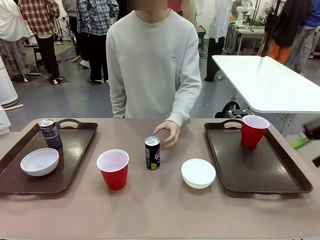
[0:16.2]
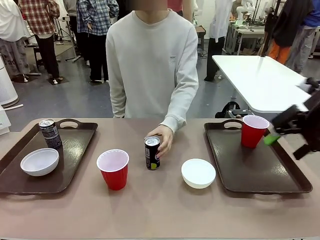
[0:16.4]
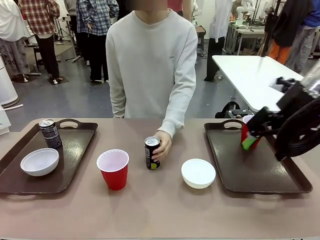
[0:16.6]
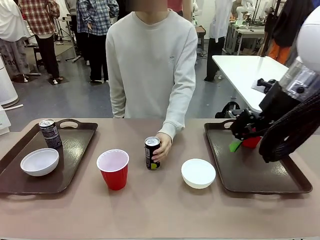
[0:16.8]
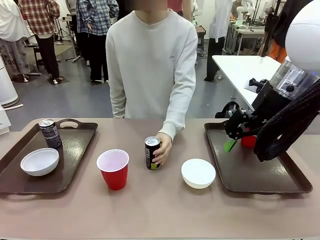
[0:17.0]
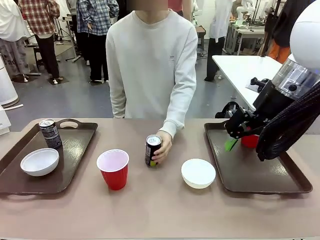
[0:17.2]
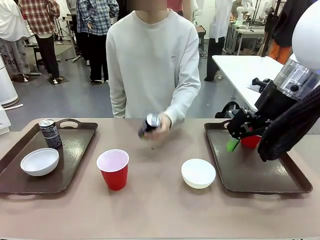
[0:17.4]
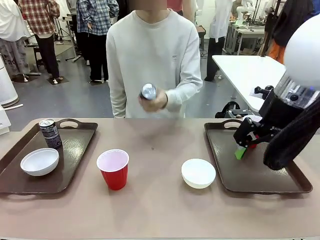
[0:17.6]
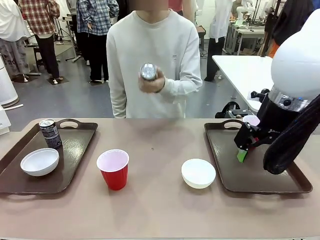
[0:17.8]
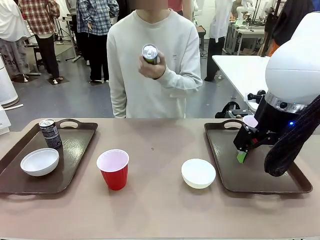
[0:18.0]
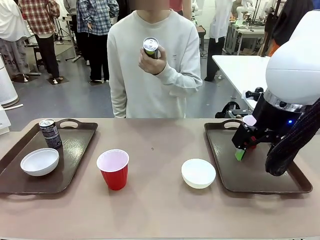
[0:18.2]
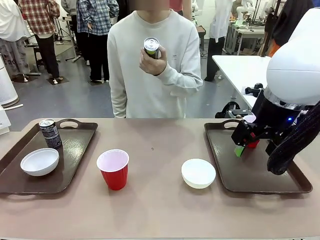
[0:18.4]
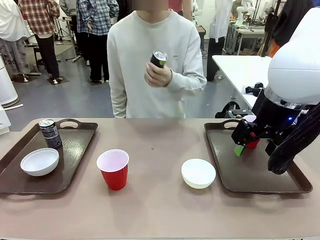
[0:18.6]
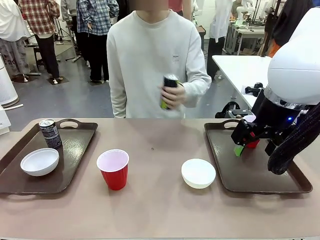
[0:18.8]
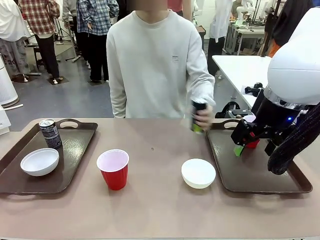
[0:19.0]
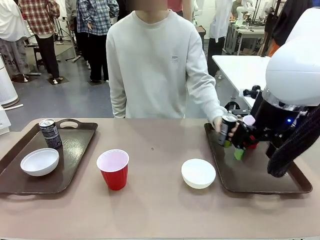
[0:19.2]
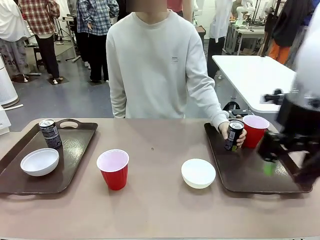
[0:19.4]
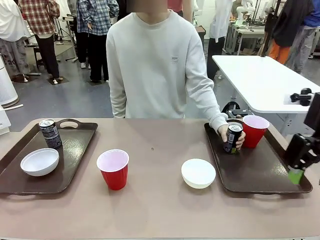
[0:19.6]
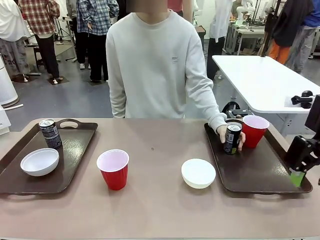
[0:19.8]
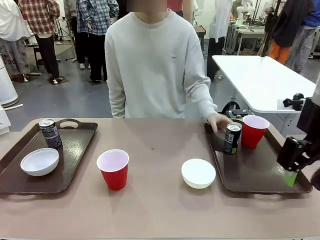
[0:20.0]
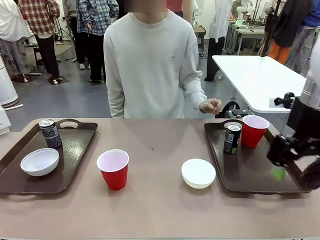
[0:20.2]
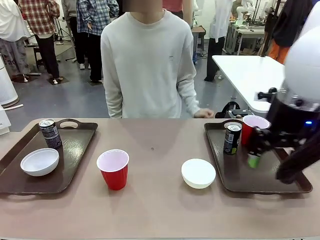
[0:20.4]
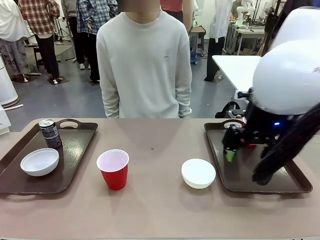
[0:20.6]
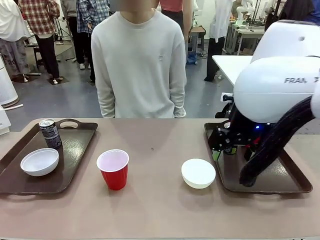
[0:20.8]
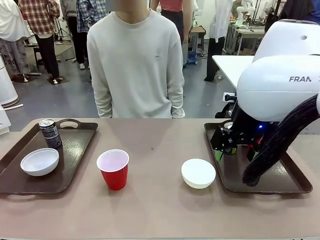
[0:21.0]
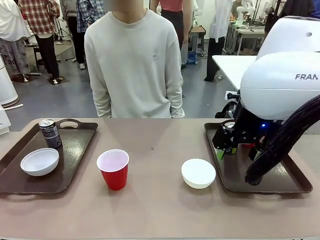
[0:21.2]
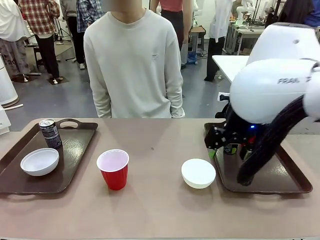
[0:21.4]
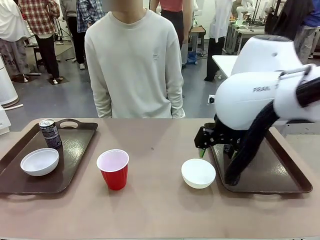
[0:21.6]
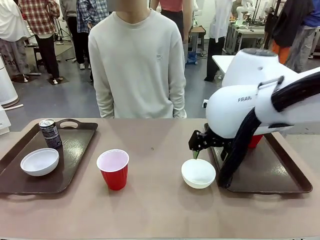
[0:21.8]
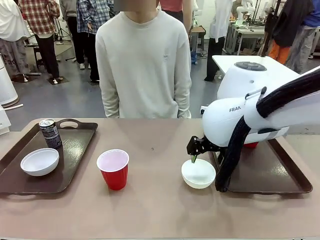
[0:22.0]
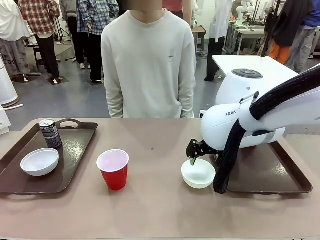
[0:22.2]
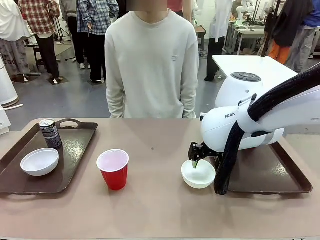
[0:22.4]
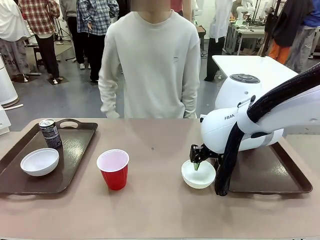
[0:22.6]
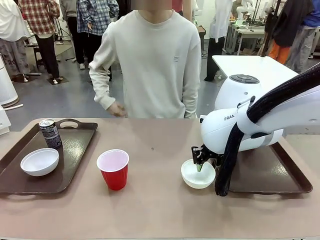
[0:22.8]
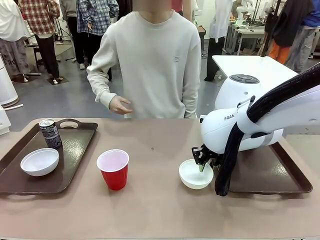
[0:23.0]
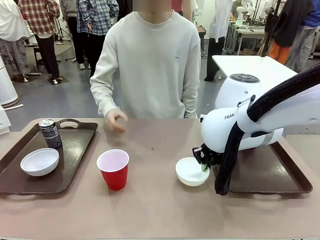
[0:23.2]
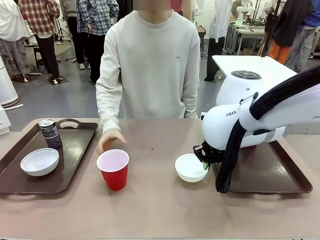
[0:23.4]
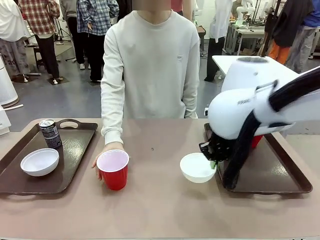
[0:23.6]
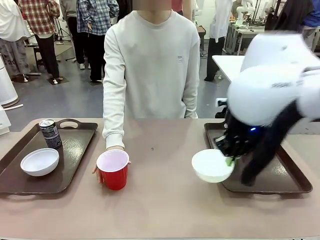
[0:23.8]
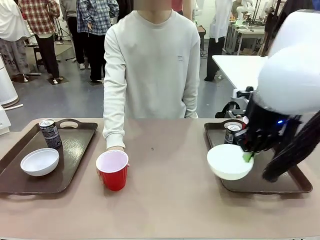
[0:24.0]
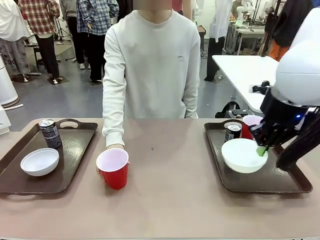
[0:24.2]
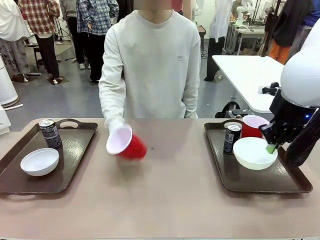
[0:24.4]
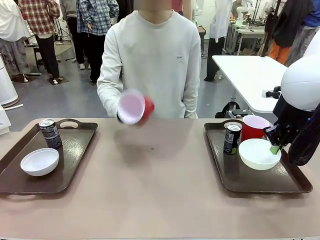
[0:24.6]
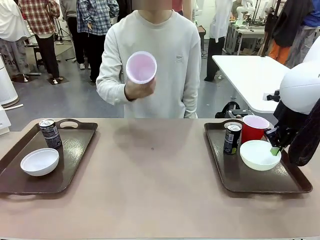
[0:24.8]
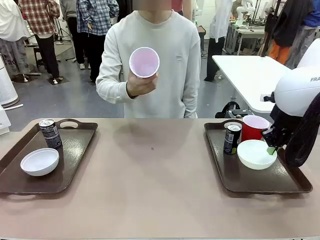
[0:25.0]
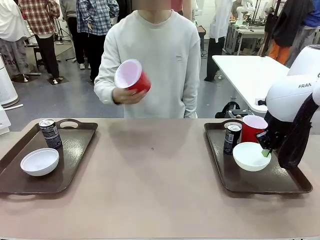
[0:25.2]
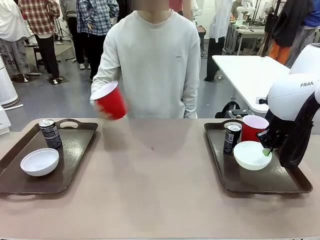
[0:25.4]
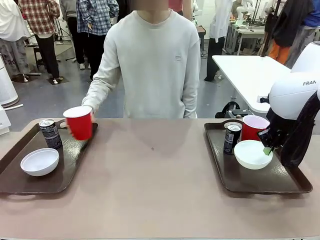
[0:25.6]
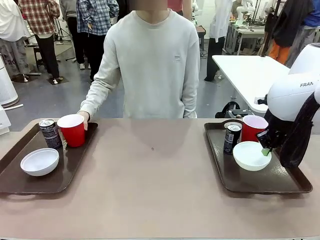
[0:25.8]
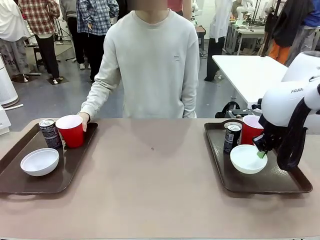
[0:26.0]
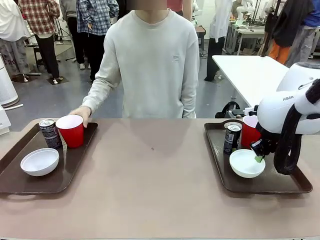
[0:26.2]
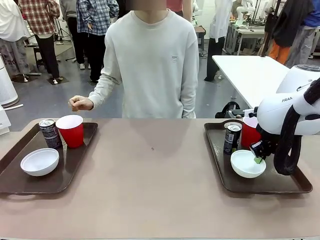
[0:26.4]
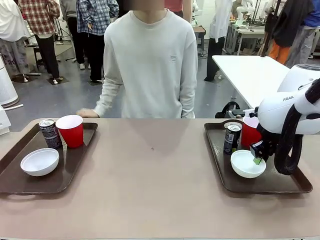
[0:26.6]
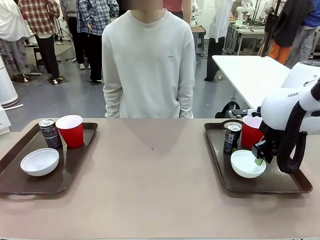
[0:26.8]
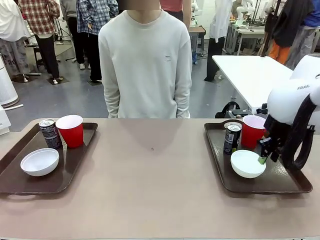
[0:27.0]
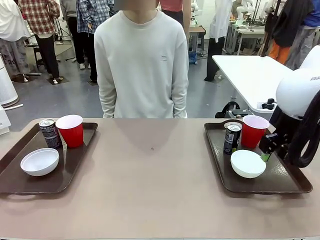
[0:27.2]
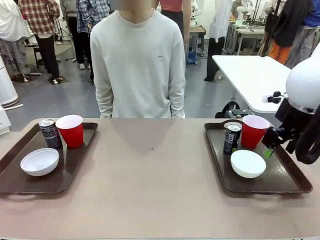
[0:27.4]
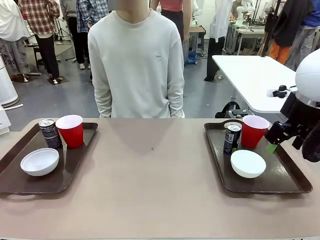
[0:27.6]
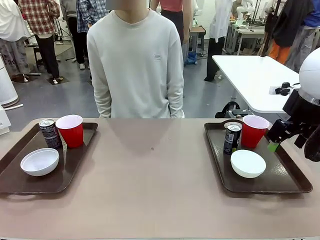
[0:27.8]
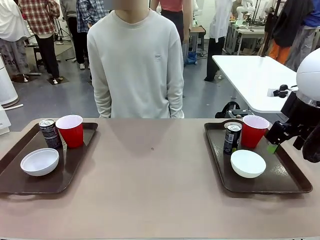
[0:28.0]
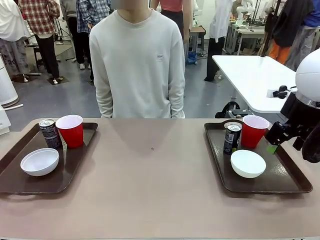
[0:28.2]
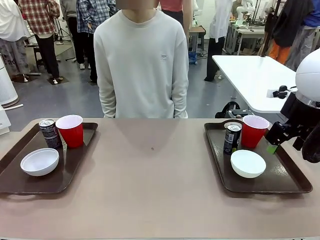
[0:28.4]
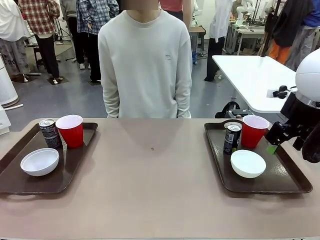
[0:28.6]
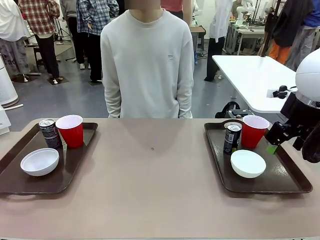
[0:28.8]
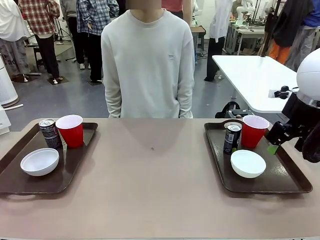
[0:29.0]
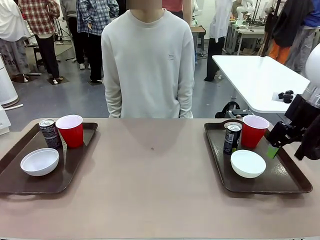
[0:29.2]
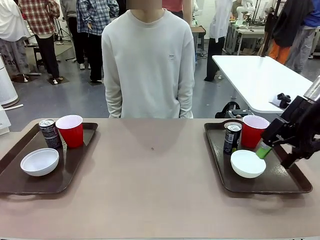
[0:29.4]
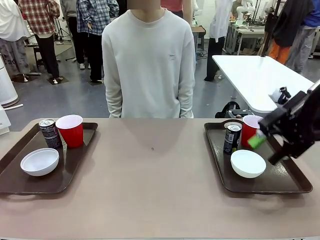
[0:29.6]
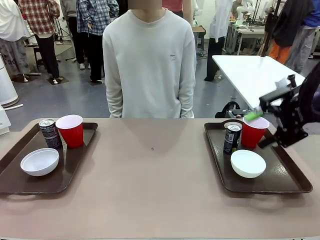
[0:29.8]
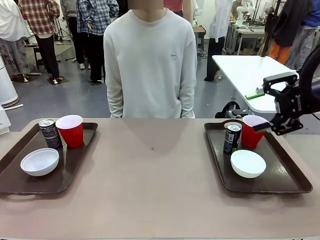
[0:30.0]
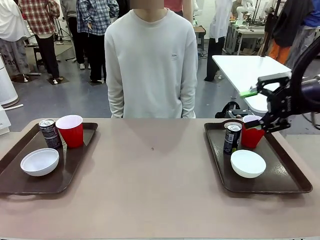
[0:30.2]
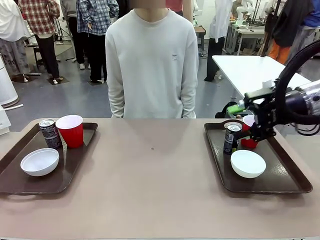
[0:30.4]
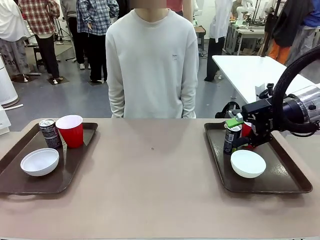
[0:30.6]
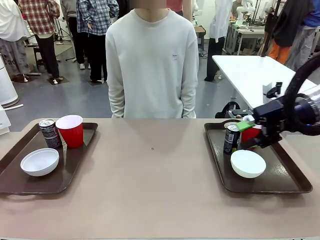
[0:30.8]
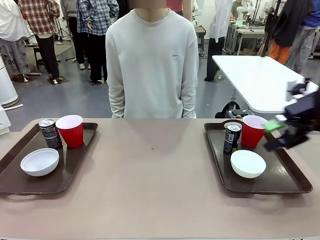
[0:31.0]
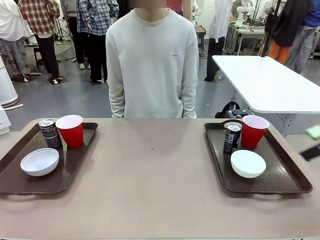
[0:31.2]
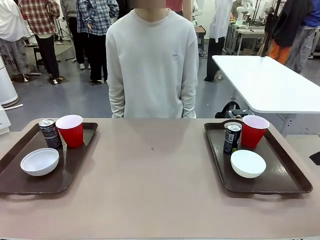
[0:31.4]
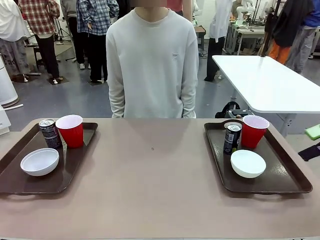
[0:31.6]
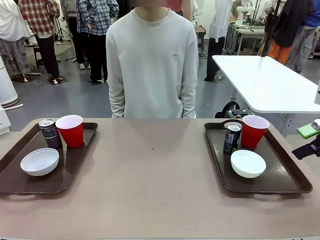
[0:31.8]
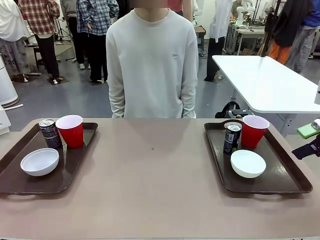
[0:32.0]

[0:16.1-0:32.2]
Task: Prepare tableware on both trays.
Robot: Pick up a Picnic Bowl from the table and place it on a Handle tray.
Person: Pick up a can or cup and place it on the tray without a can or cup.
